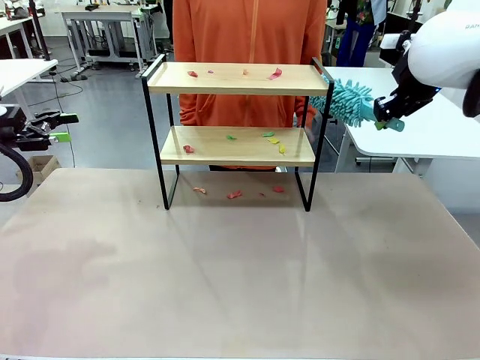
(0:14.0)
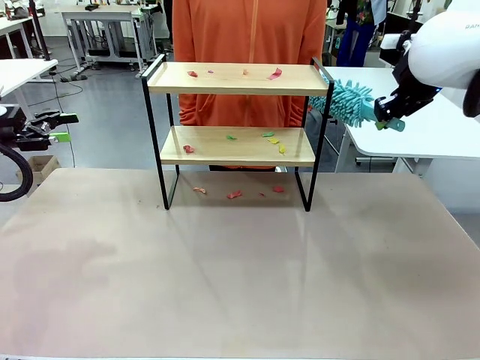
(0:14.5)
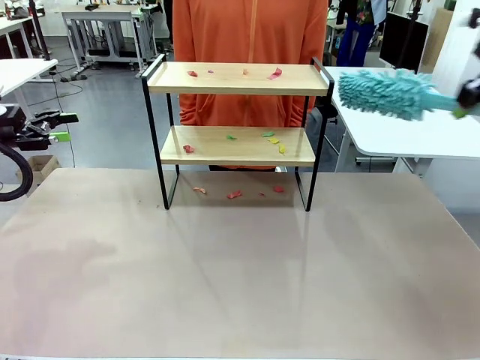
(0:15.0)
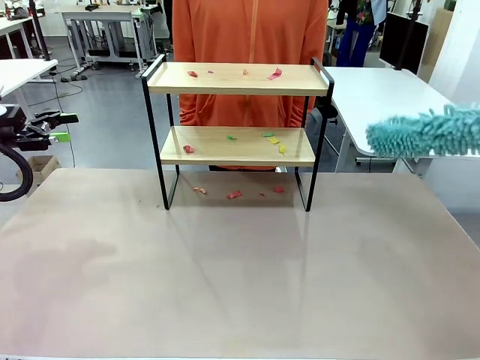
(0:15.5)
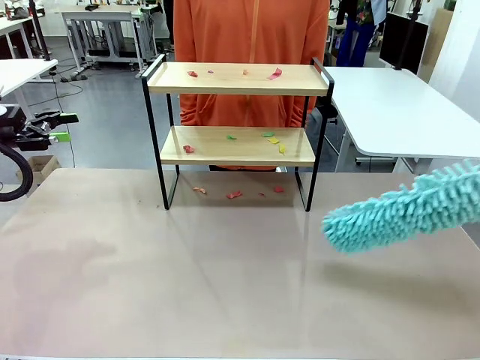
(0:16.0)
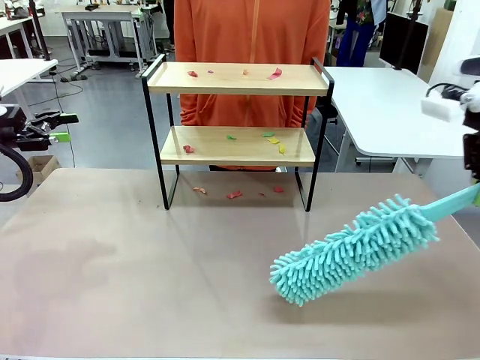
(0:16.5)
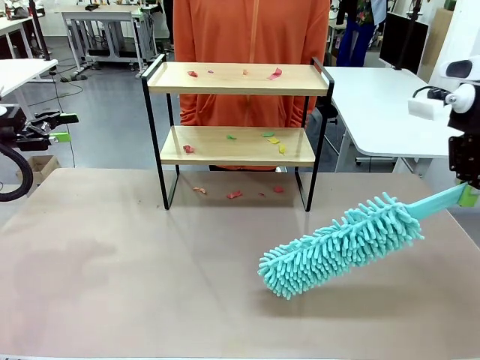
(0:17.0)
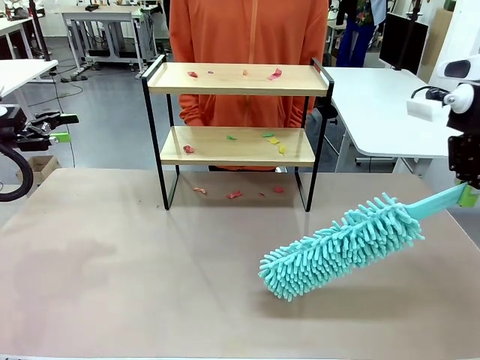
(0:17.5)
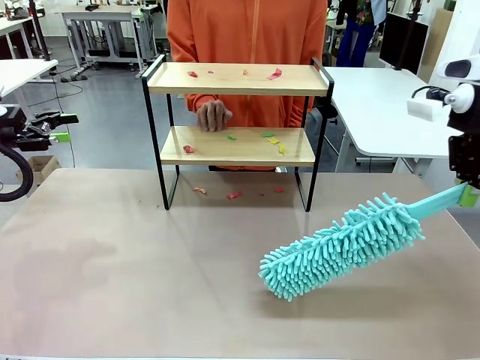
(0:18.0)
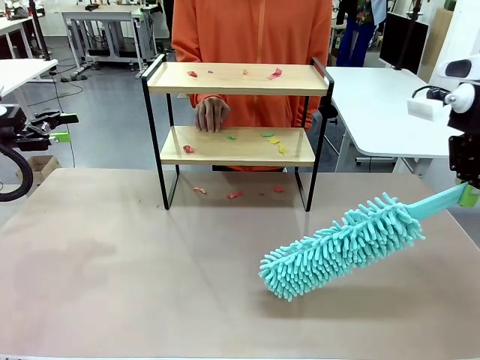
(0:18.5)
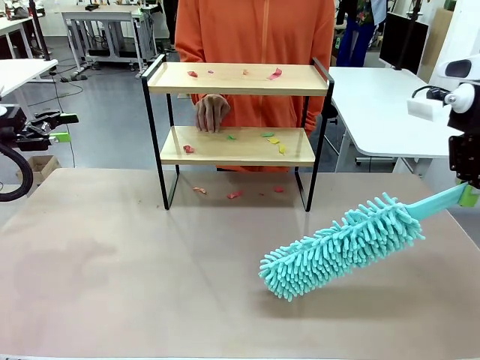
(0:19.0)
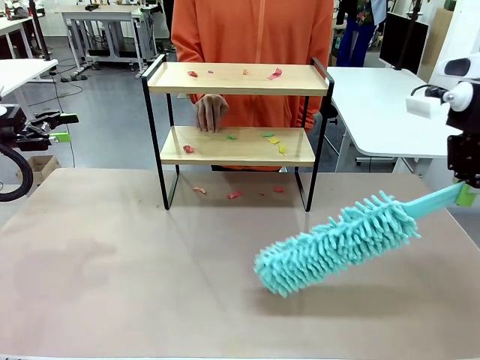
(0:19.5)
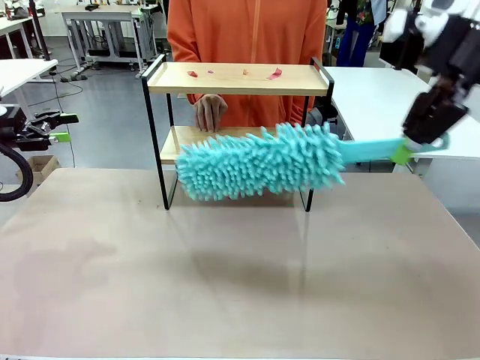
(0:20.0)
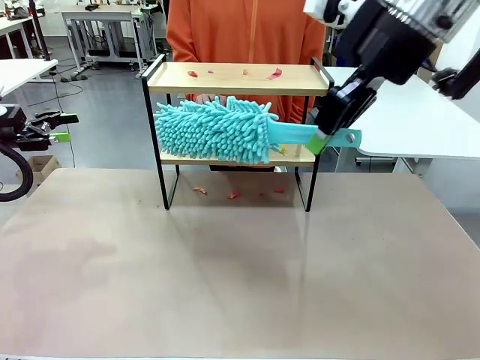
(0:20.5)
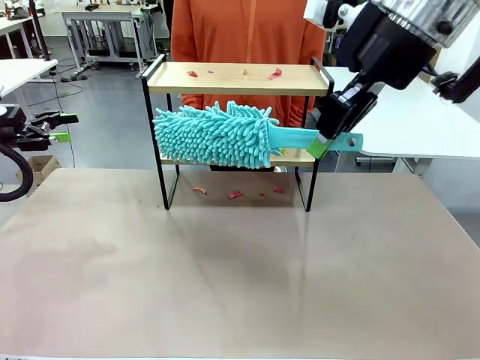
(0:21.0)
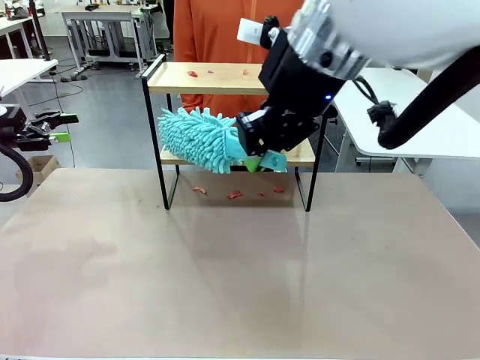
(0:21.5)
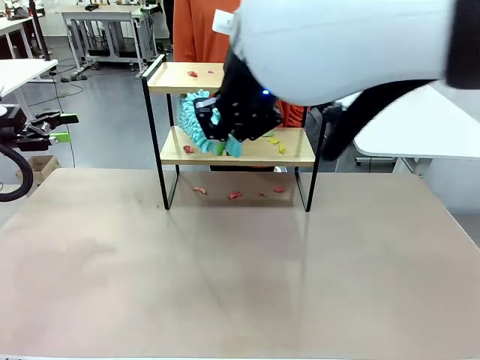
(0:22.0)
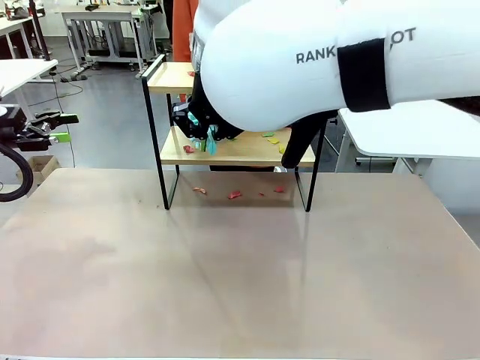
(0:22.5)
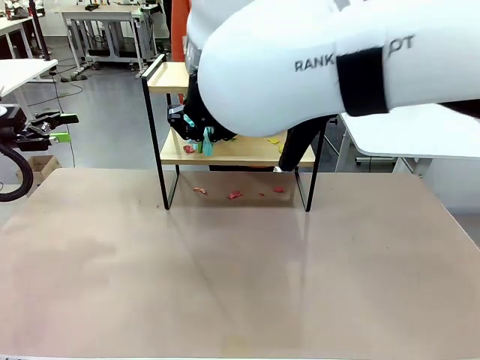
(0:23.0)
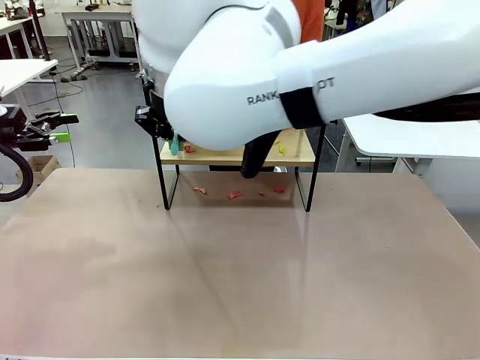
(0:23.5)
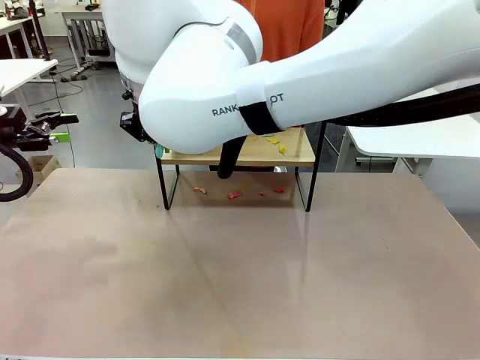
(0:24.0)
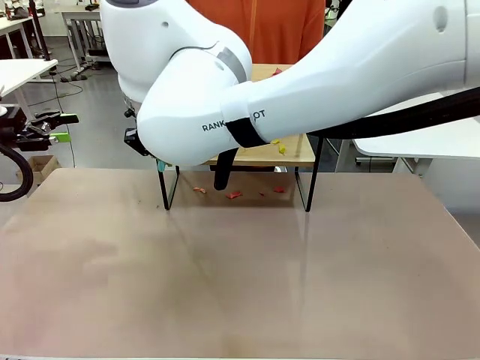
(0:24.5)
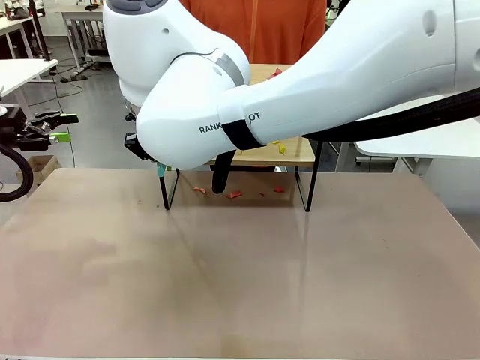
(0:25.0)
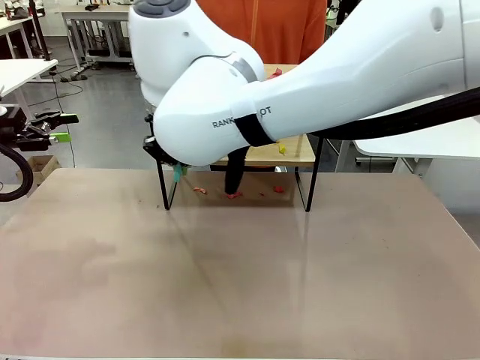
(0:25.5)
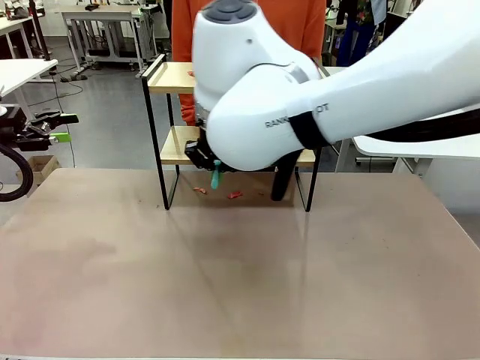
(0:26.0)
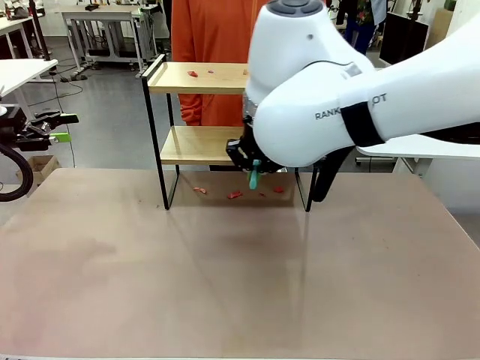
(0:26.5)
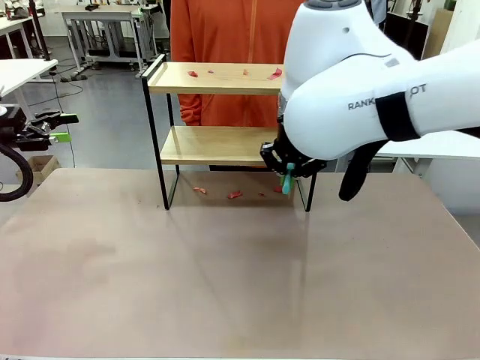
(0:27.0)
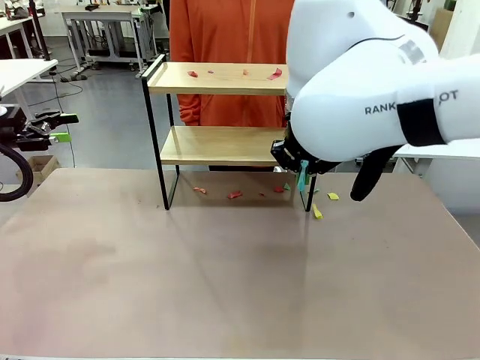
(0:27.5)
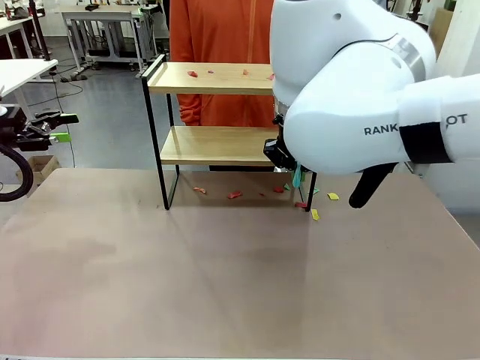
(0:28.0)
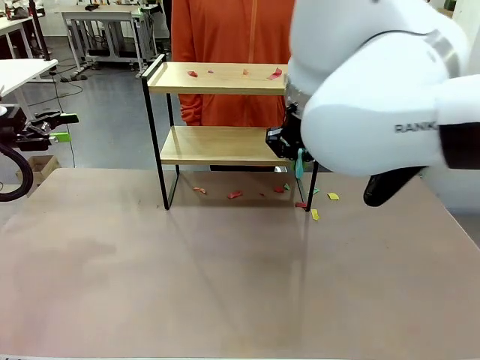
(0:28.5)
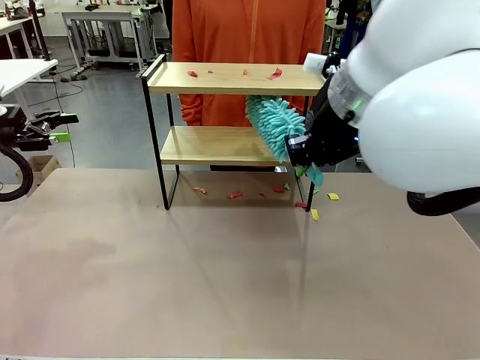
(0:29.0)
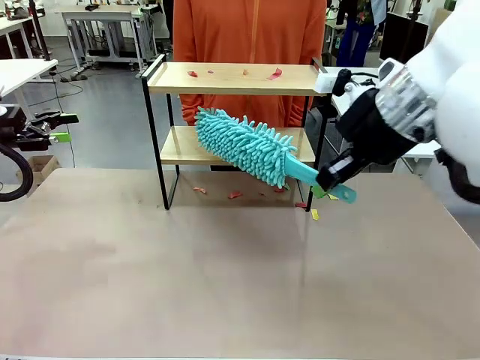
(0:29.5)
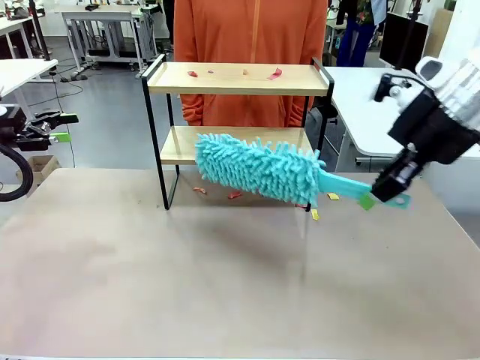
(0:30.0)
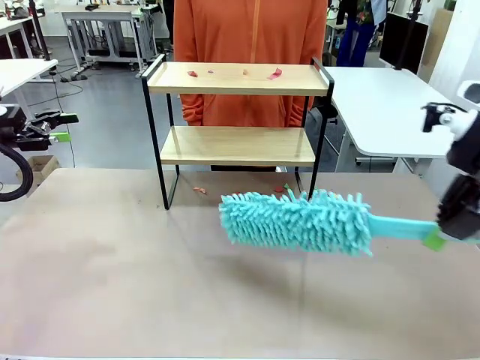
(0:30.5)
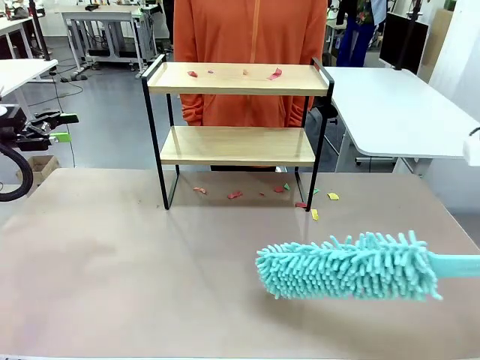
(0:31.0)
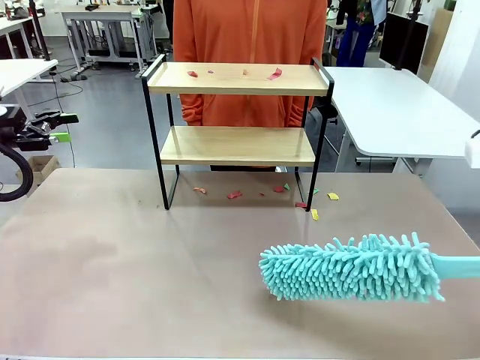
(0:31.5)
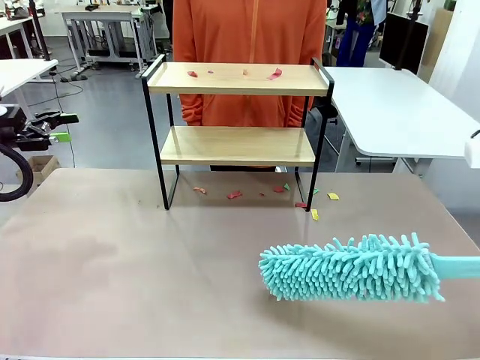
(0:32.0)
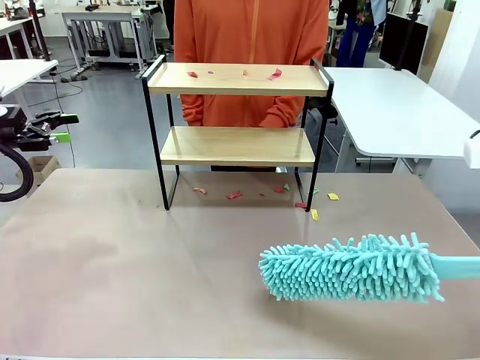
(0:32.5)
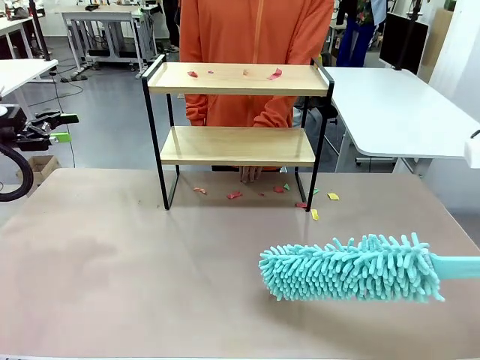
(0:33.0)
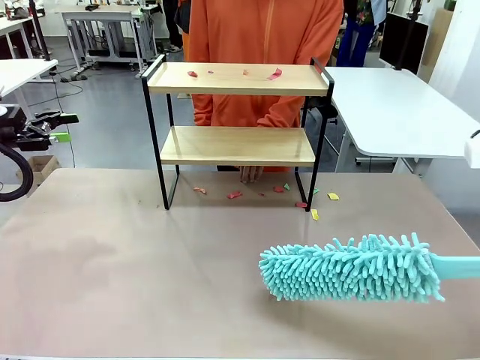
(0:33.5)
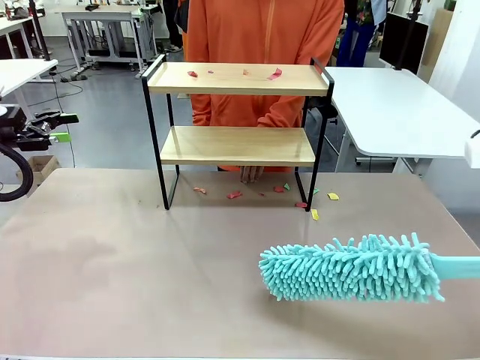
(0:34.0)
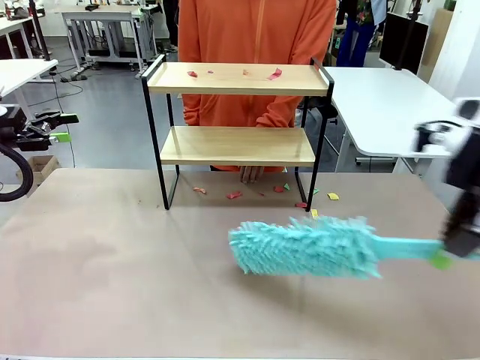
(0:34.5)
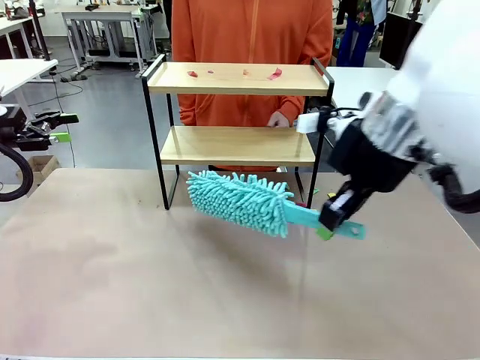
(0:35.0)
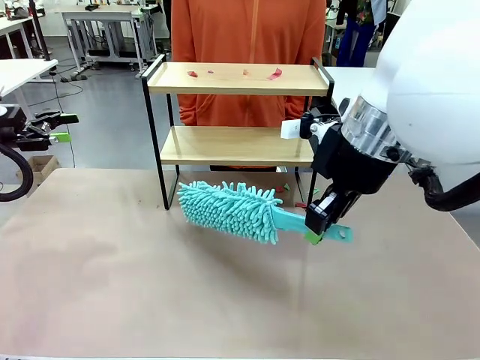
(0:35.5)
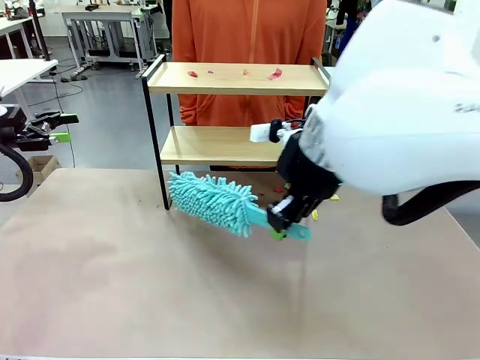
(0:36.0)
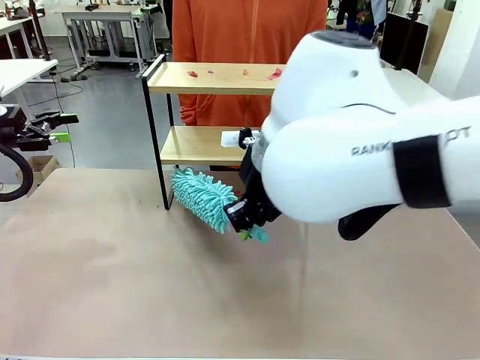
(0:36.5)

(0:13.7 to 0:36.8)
Task: Clean the shelf.
Robot: Clean the specific section of the Shelf indicated by the human with the Duster.
Person: Point a random section of the Shelf.
